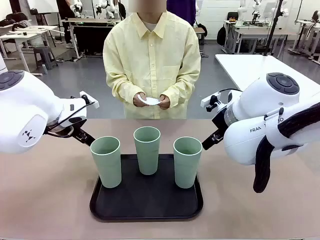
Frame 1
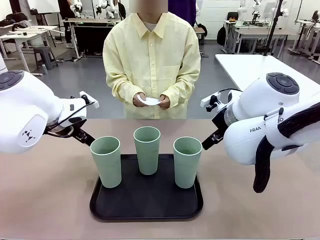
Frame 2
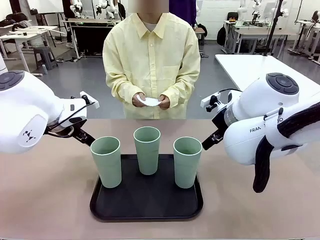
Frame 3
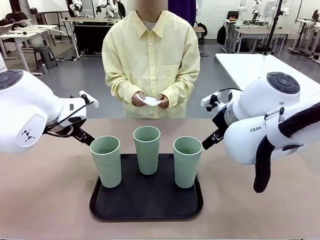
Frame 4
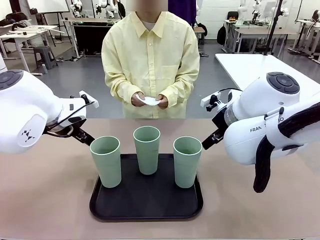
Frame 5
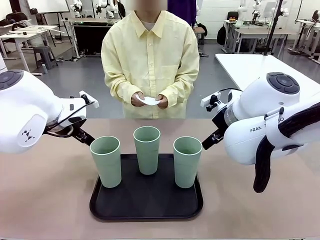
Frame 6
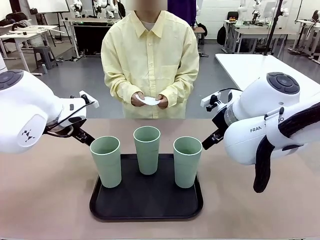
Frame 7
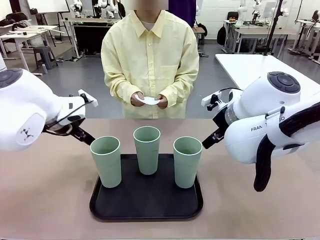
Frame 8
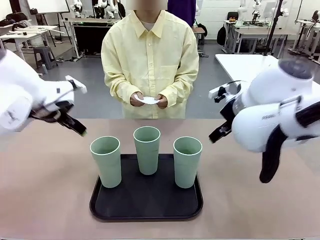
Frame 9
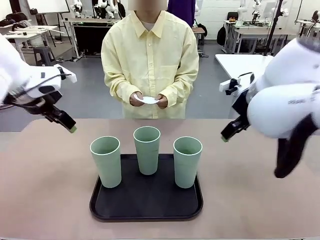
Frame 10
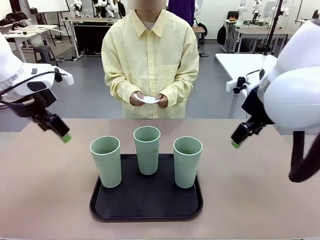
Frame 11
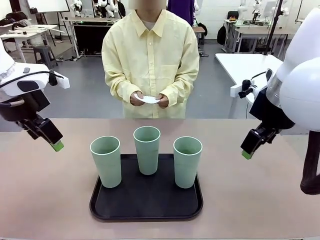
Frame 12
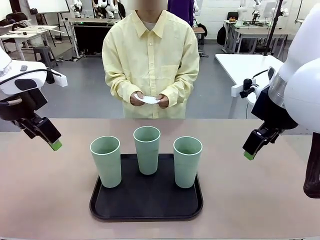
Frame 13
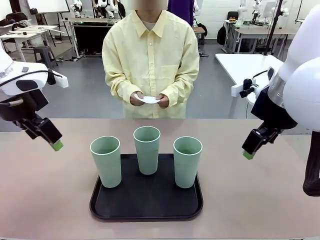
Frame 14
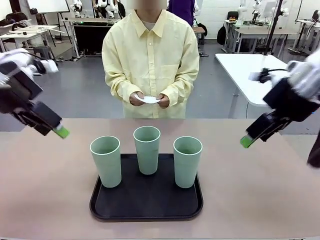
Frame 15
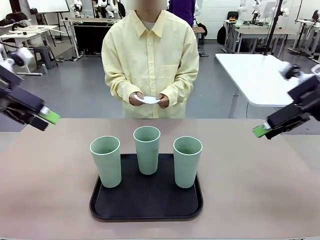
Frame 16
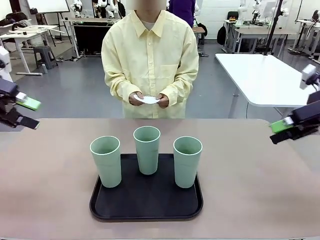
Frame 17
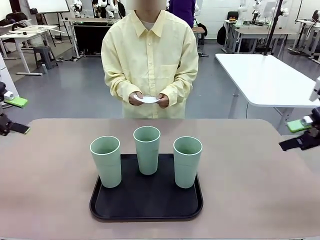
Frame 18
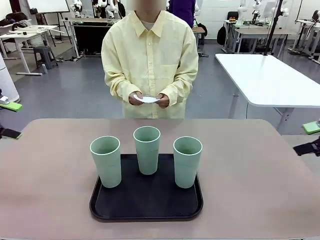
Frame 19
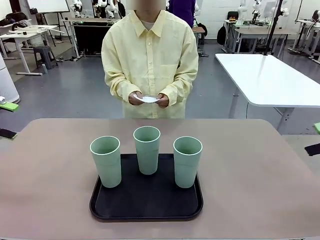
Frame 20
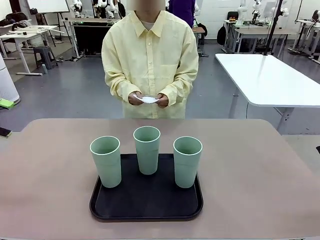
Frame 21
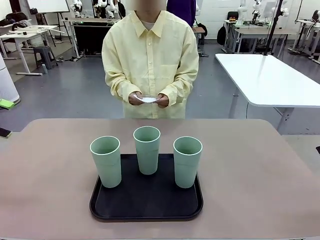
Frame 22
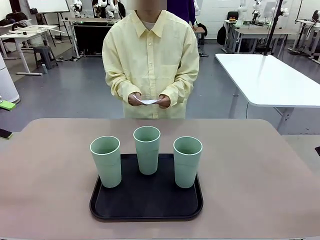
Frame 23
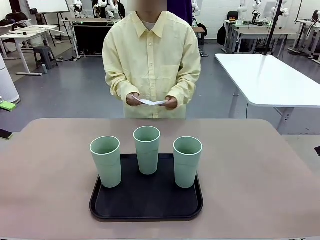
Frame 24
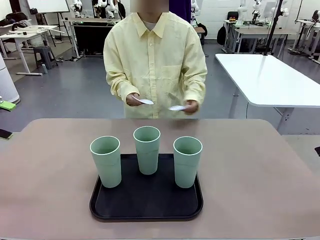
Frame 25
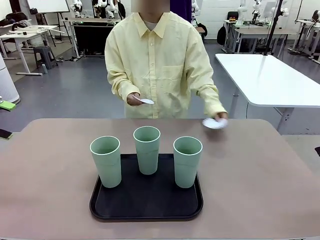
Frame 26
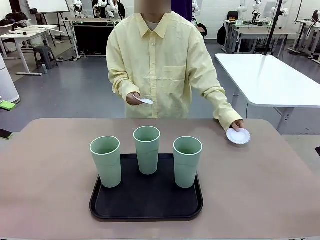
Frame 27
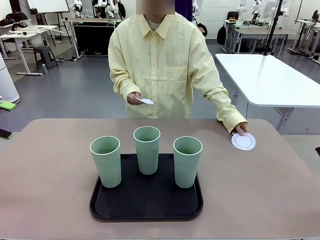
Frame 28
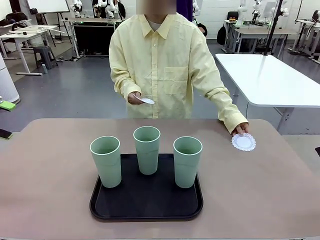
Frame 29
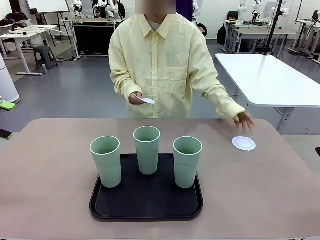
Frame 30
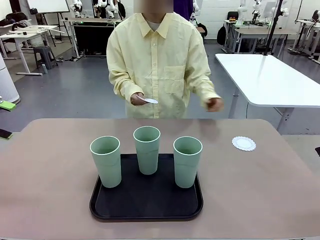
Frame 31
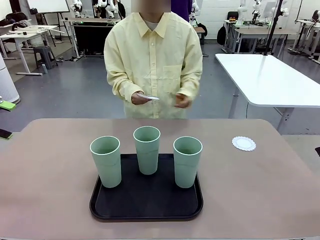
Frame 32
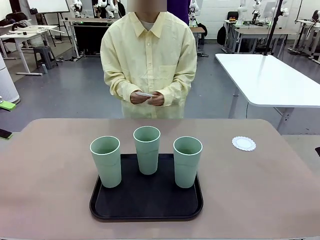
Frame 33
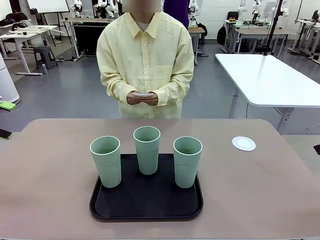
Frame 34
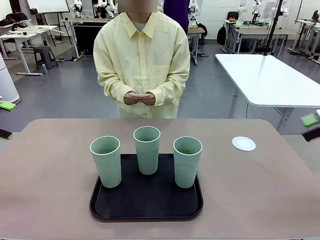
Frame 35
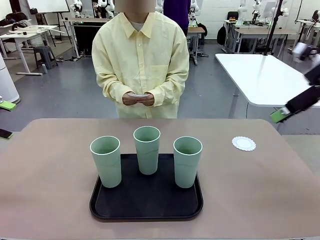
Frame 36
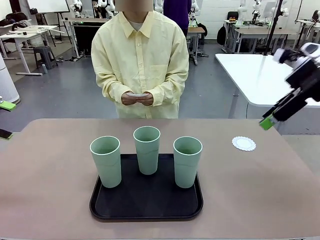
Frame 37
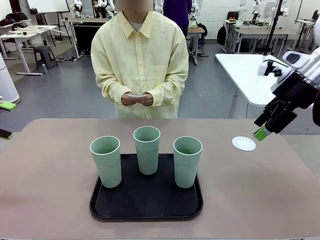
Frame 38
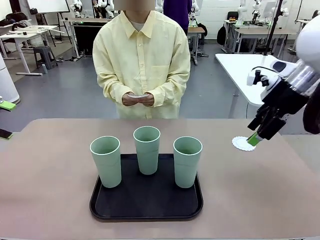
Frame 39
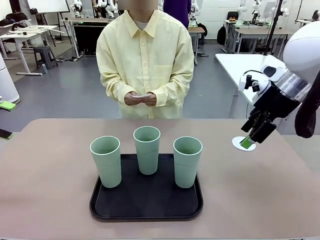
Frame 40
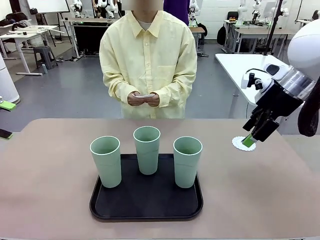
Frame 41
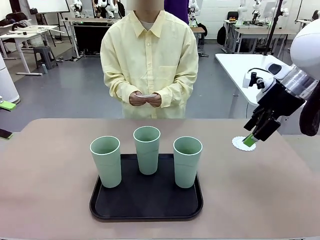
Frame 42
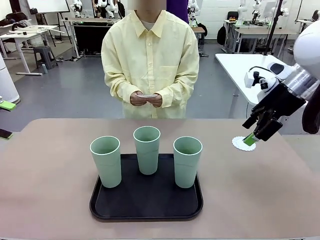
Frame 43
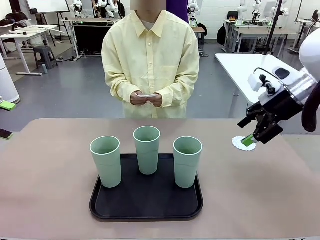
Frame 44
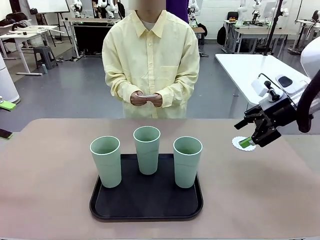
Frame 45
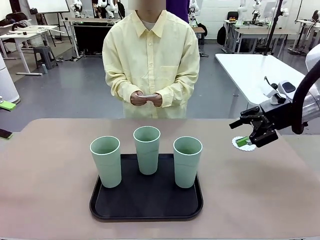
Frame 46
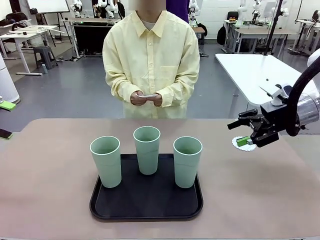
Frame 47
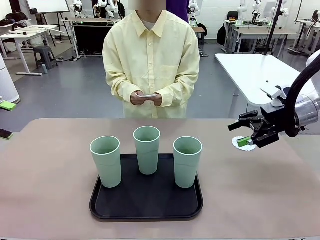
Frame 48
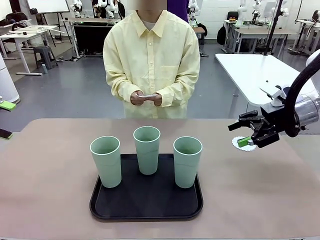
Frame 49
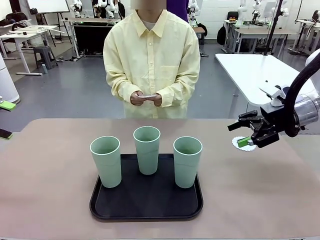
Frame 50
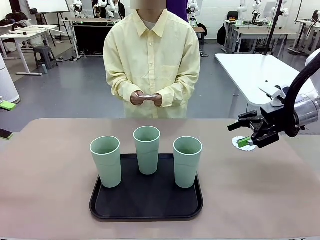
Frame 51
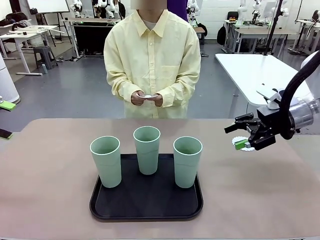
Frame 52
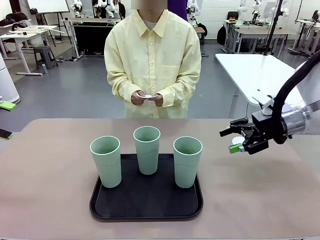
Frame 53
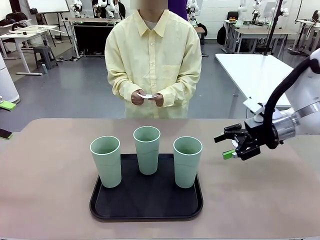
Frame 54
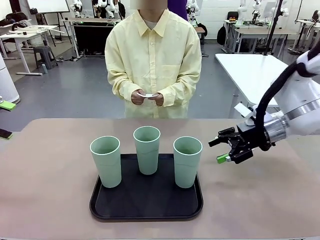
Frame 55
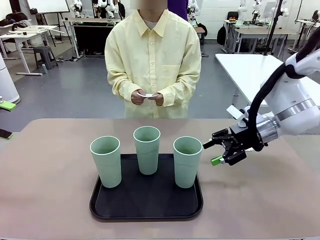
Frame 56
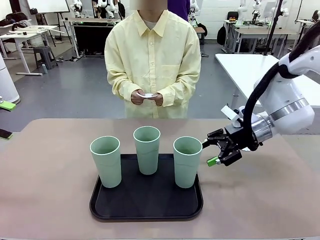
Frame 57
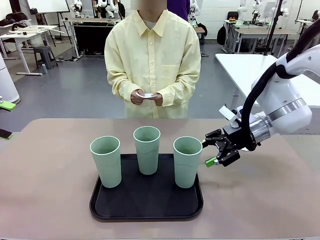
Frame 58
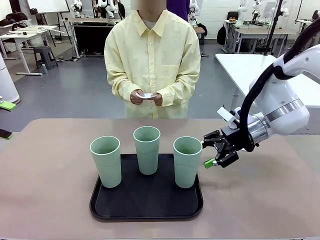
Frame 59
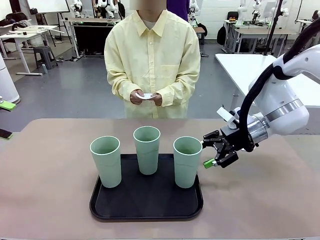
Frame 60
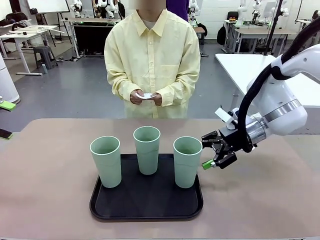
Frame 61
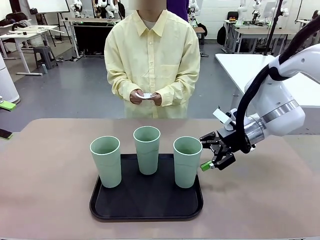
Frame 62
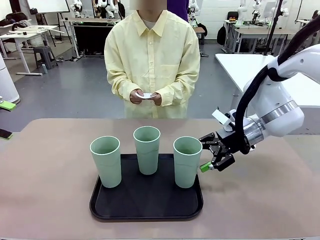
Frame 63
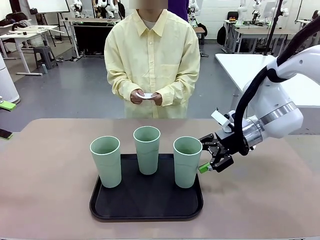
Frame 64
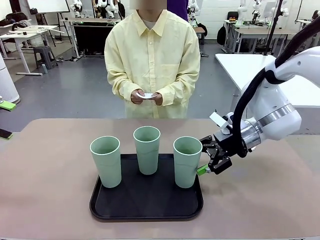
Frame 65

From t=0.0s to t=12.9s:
Task: Place coasters on the table and set cups on them.
Robot: Pick up one Reusable plastic cup and place it on a coaster set by the human.
Person: Place one coaster in any one of the three lower areas of the robot table (left, center, or right).
